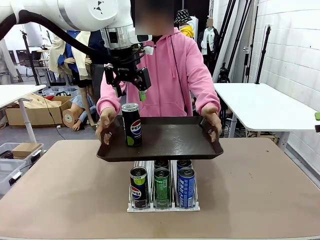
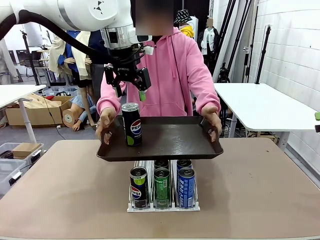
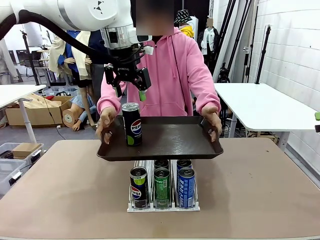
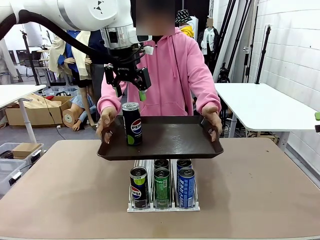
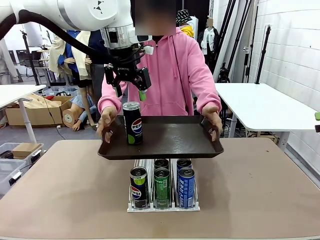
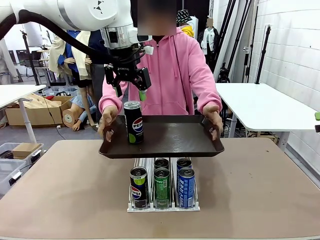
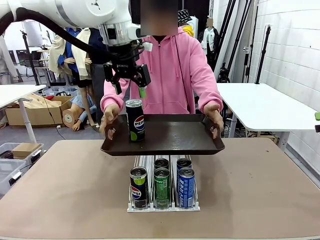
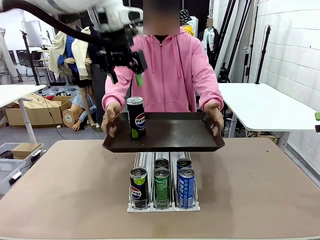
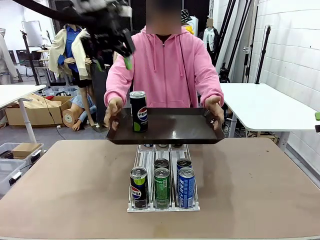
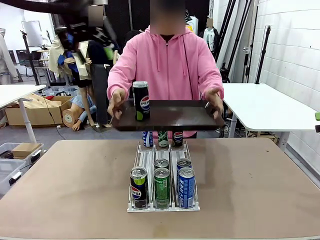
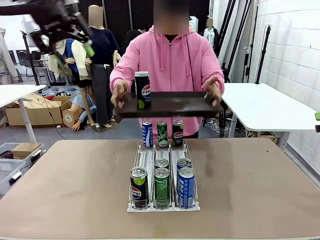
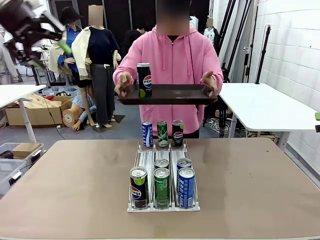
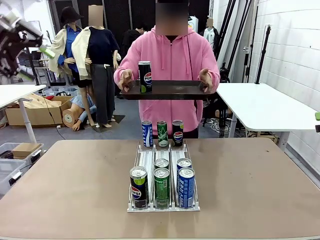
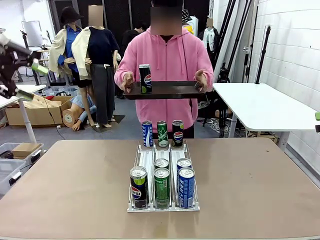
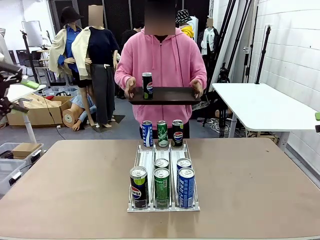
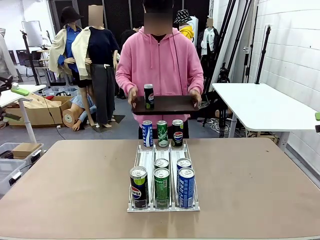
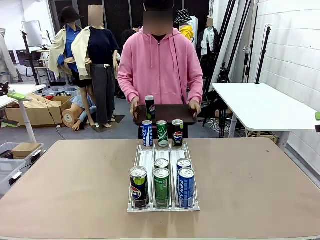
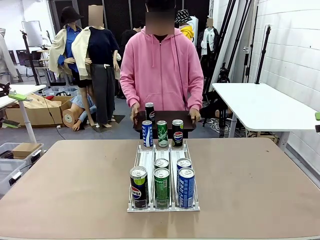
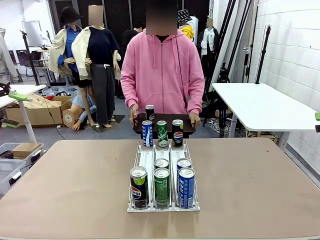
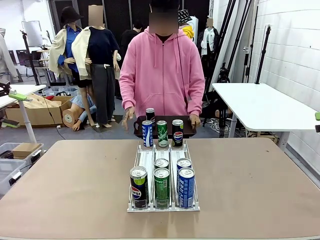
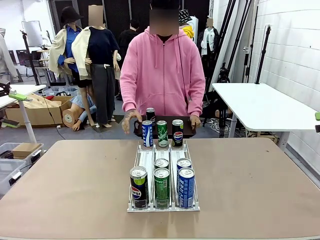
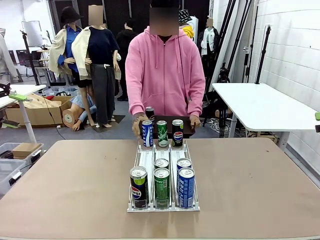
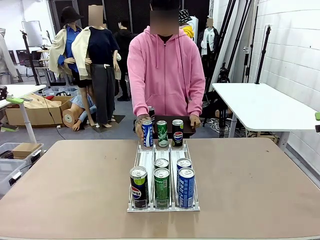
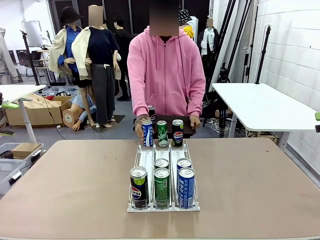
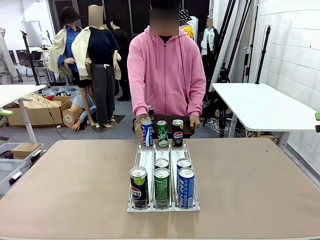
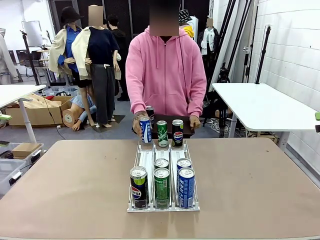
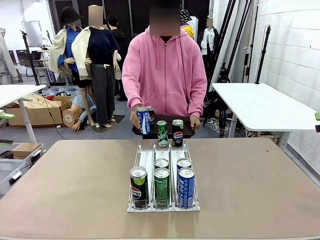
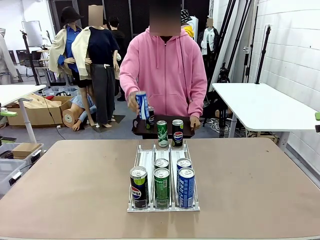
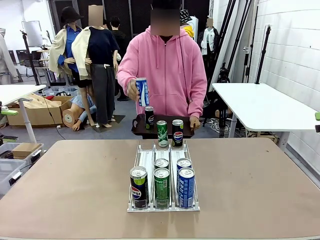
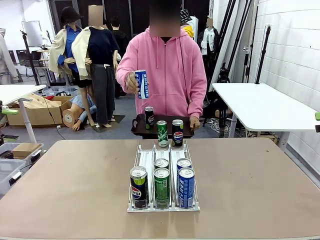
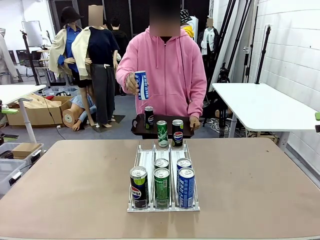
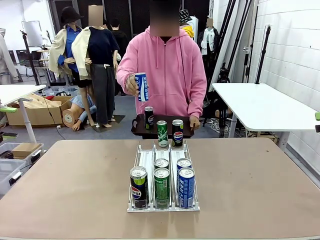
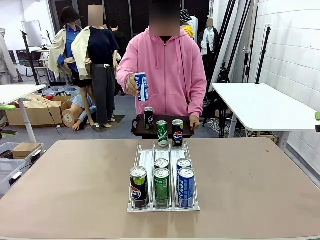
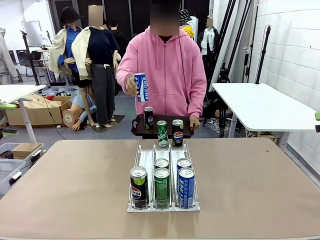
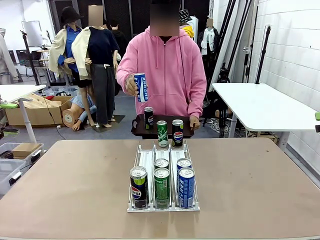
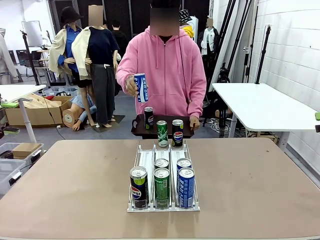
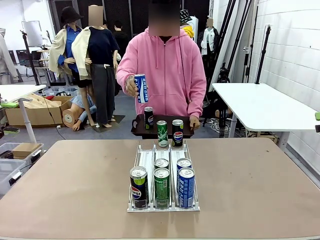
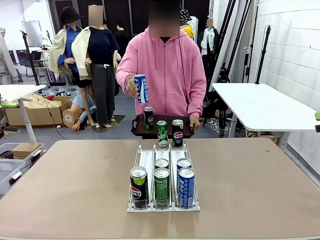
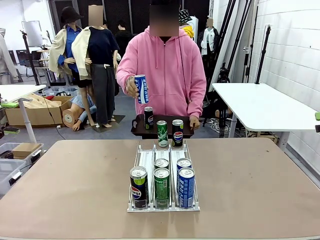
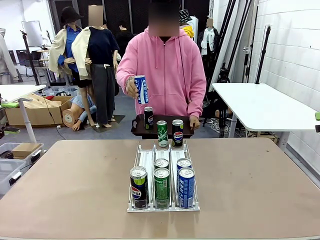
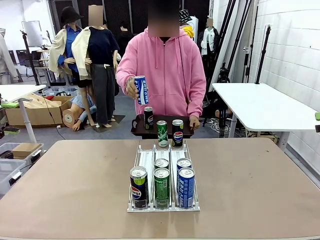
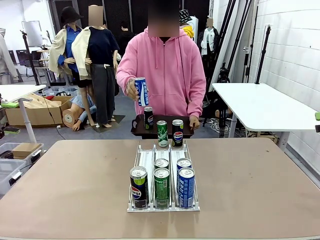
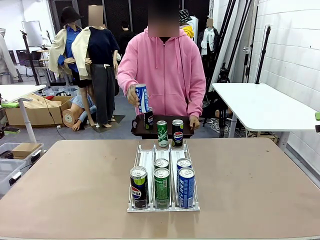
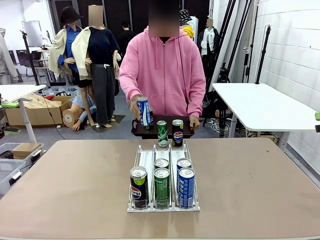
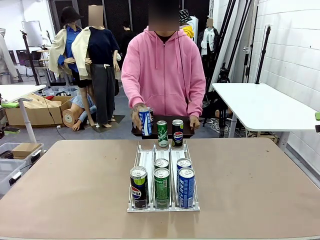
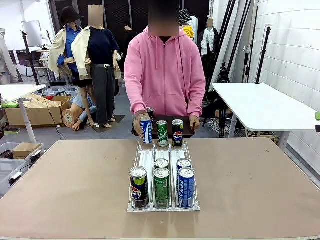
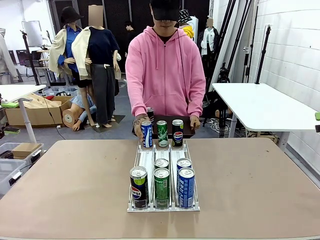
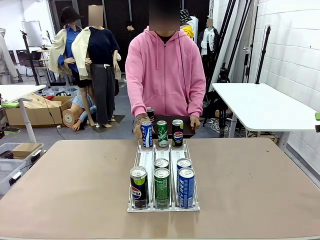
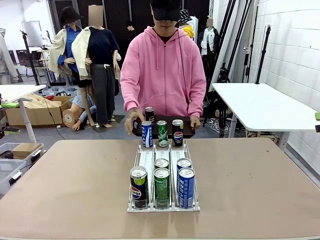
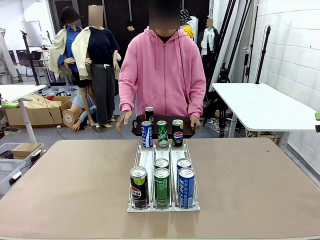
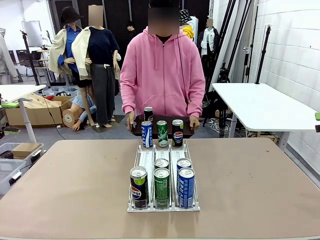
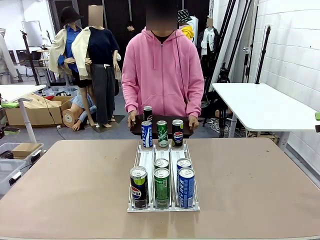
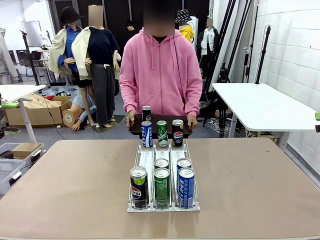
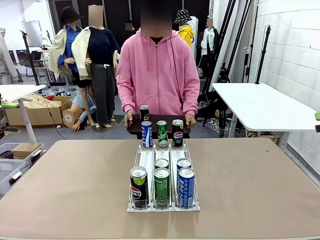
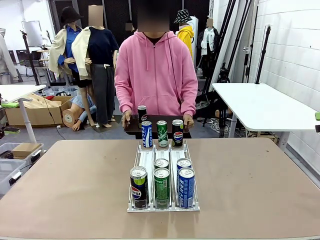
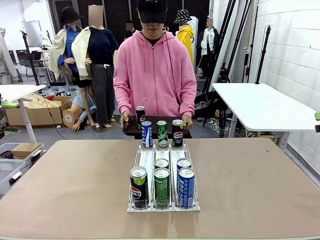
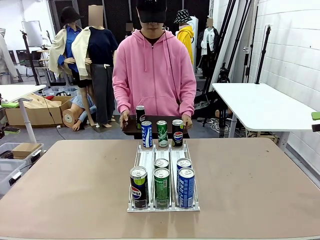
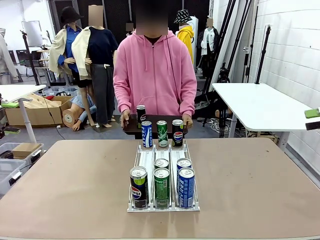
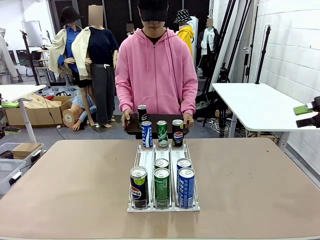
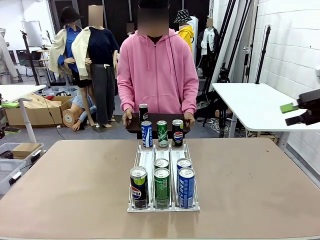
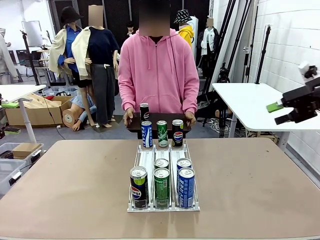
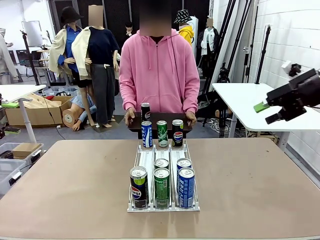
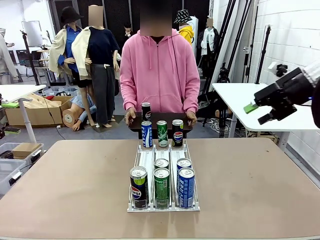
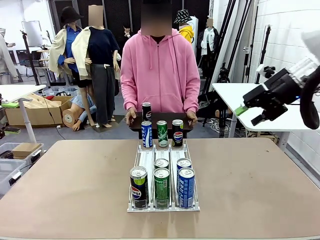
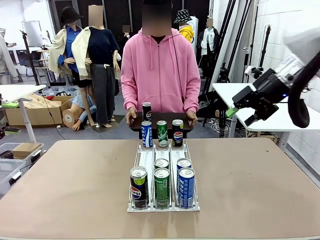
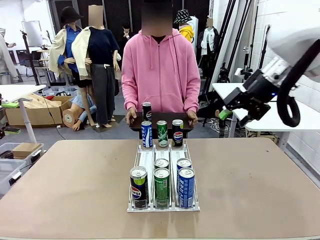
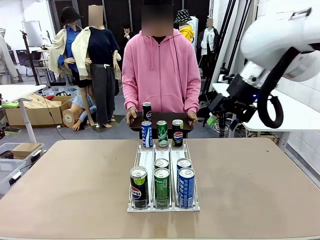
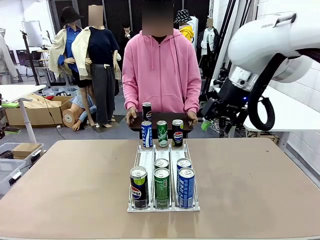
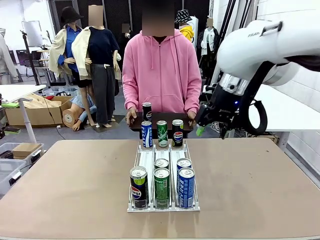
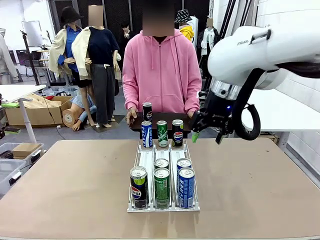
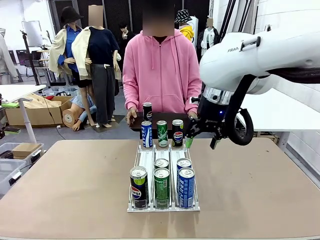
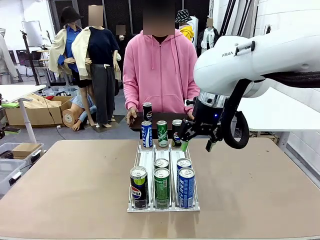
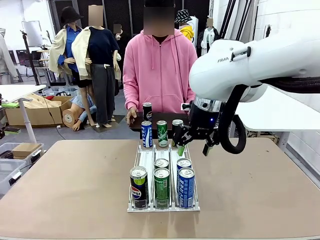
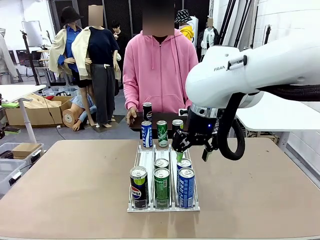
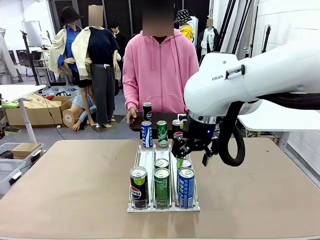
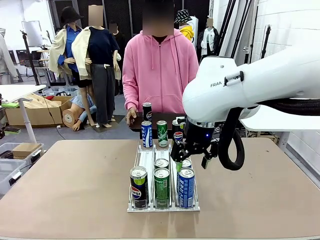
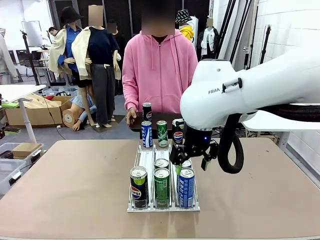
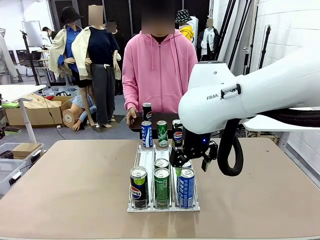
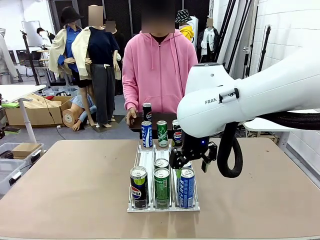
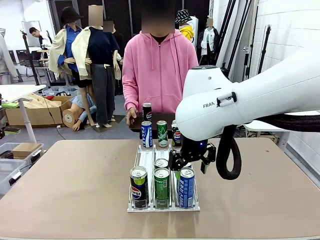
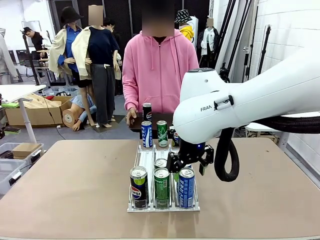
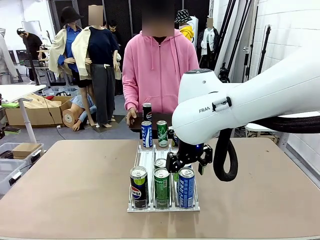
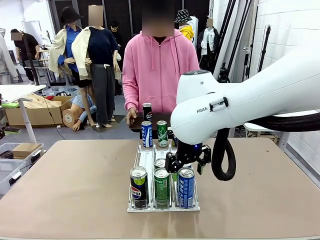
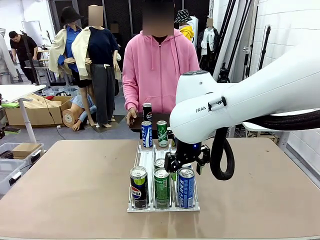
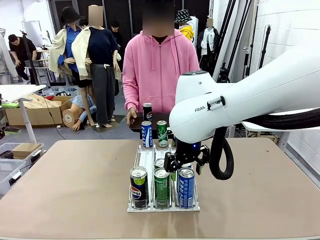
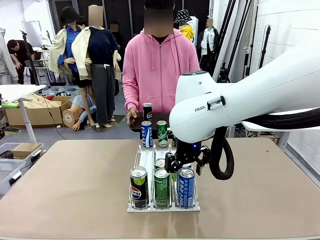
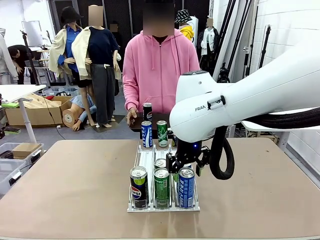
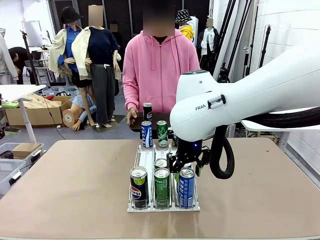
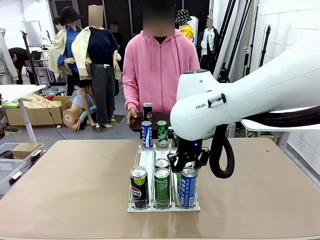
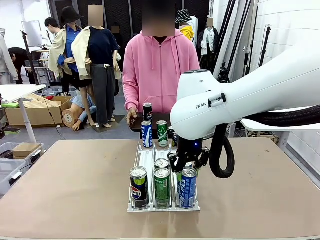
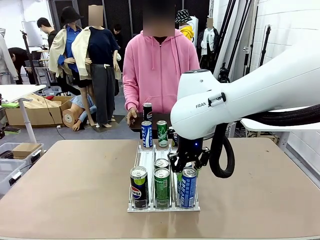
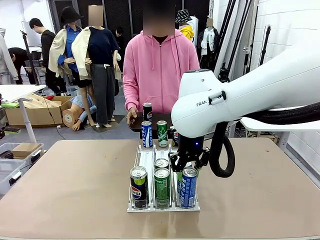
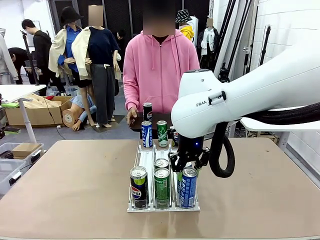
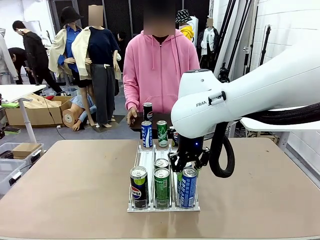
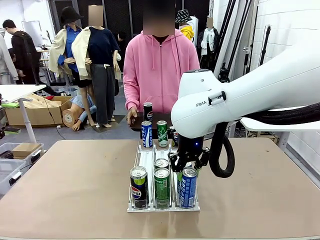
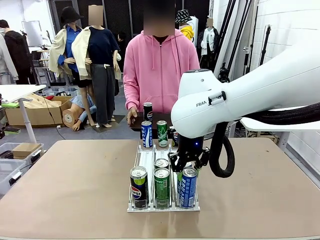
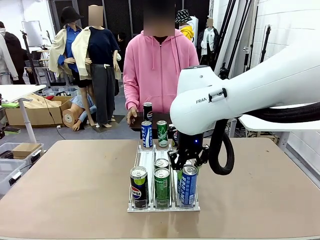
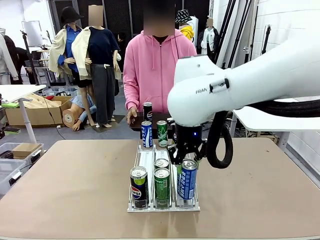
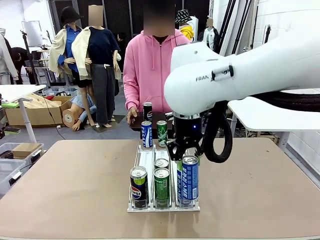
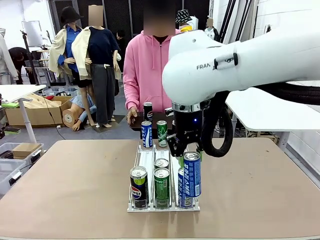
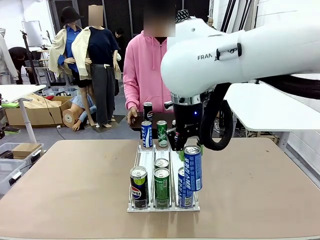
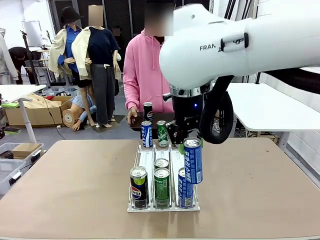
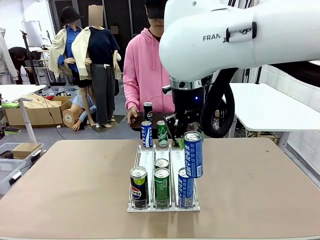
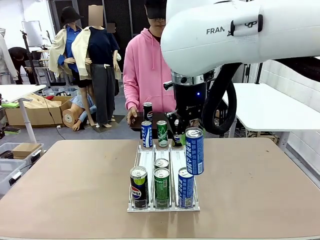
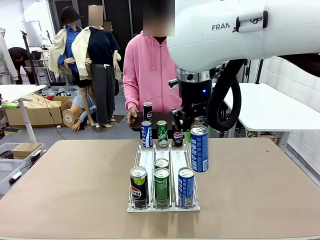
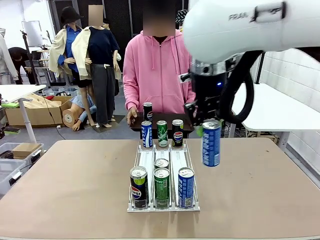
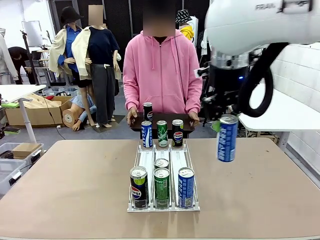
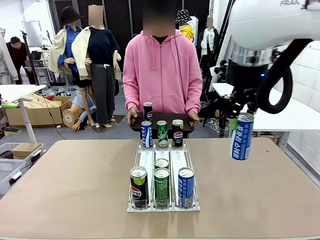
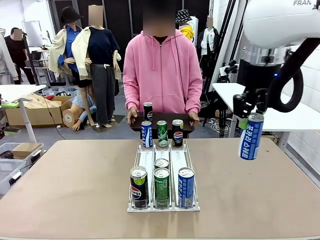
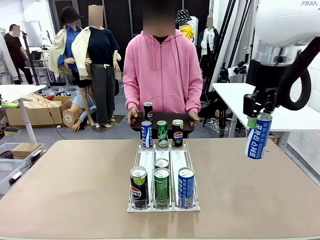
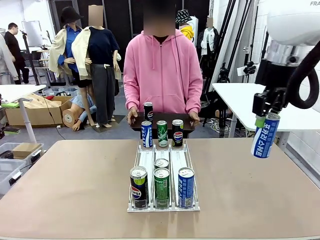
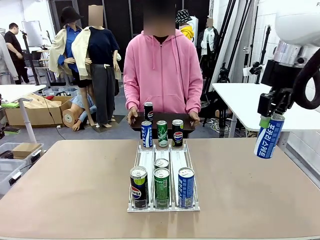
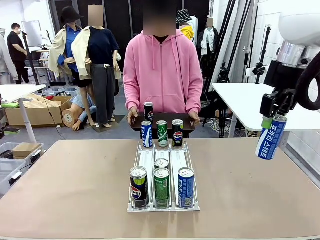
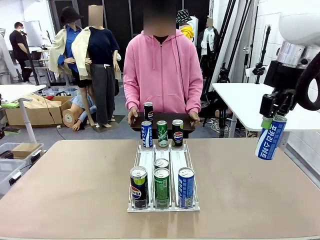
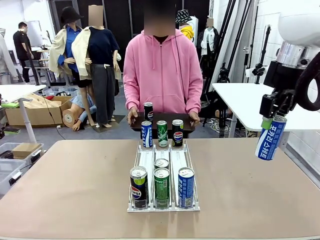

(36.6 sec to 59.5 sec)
Task: Retrieve and hand over the desired beverage to the person.
Robot: Pick up another can of the same type that the person held from the Automatic Can Dispenser.
Person: Pull the tray back, then pick up another can from the bottom area of the table and puts it back in its original place. Push the tray toward the robot again.
